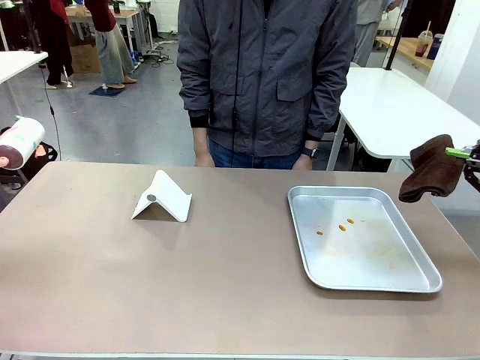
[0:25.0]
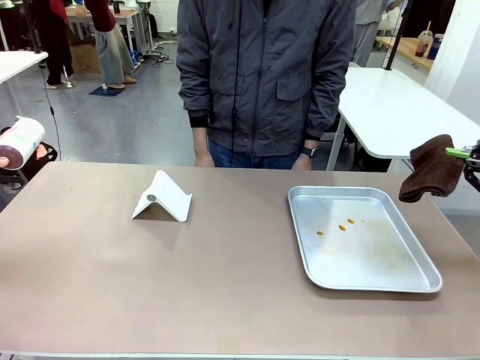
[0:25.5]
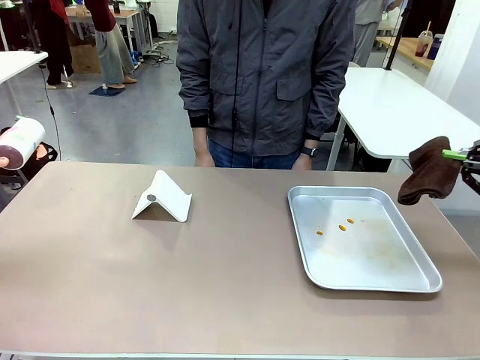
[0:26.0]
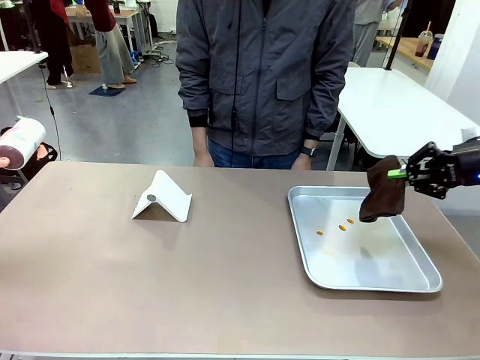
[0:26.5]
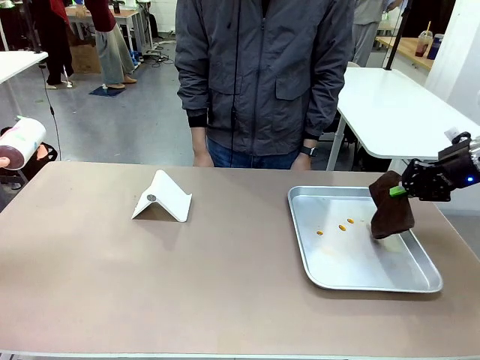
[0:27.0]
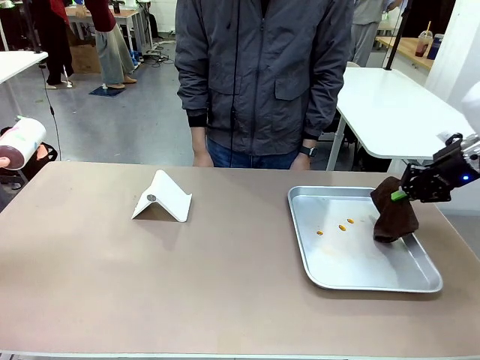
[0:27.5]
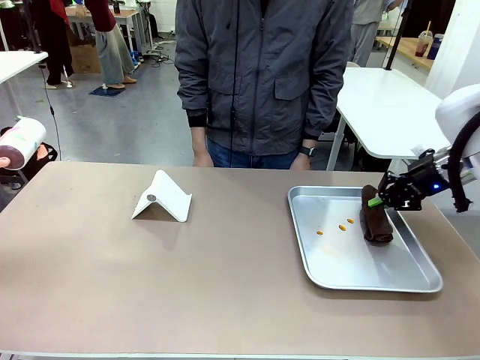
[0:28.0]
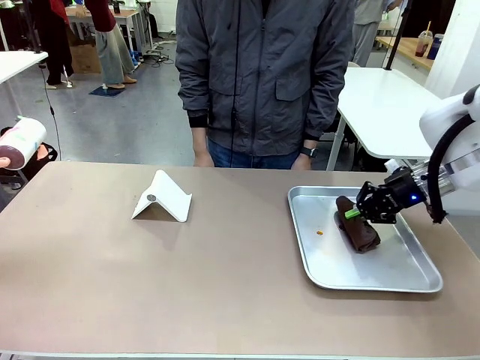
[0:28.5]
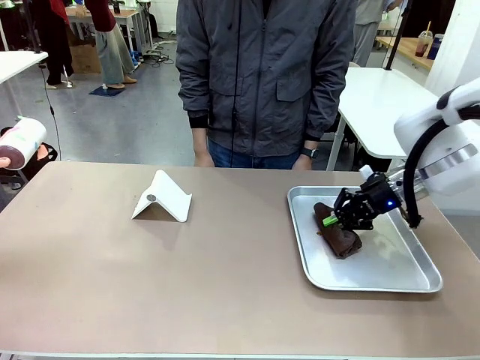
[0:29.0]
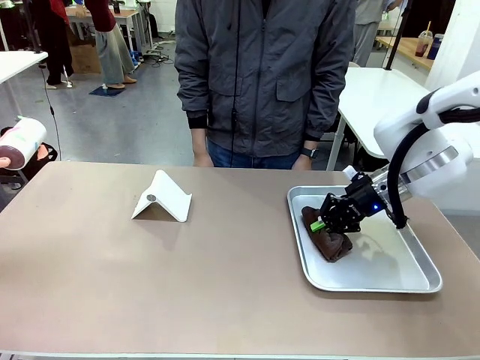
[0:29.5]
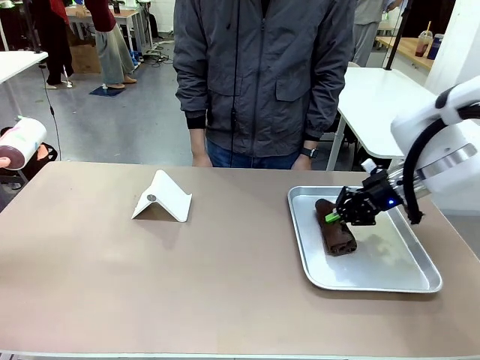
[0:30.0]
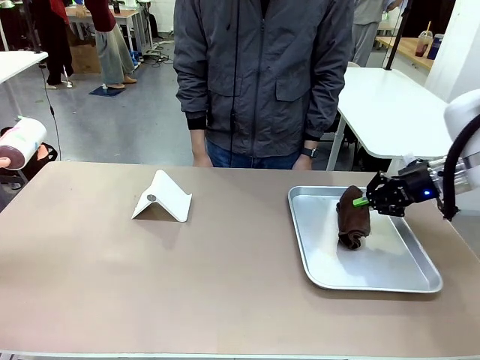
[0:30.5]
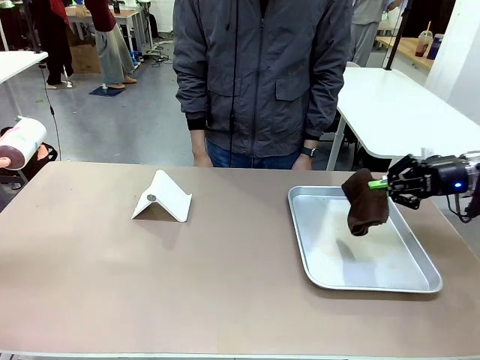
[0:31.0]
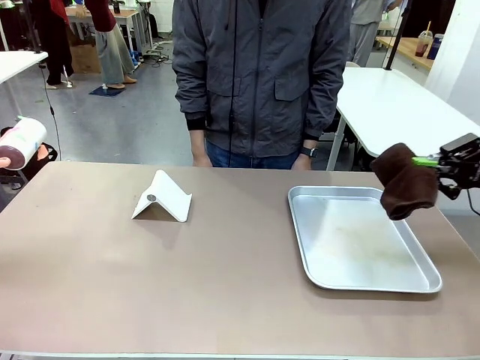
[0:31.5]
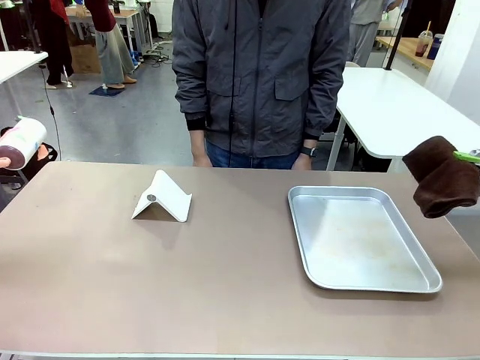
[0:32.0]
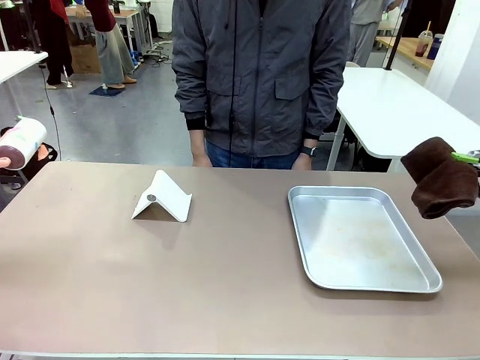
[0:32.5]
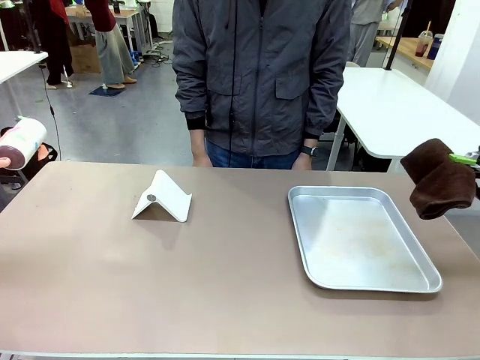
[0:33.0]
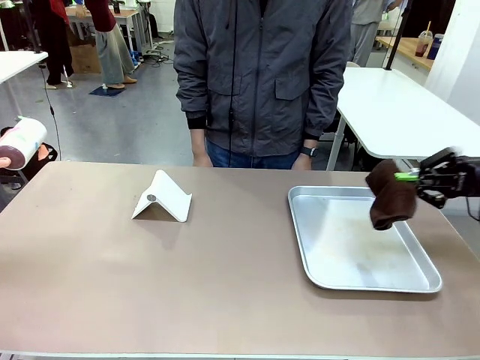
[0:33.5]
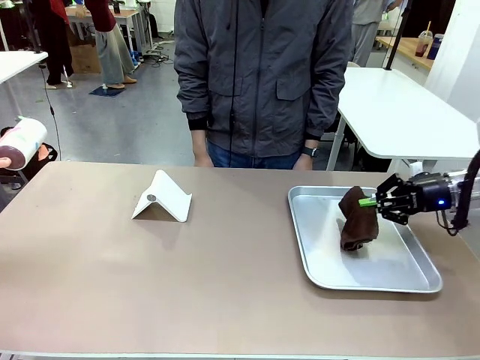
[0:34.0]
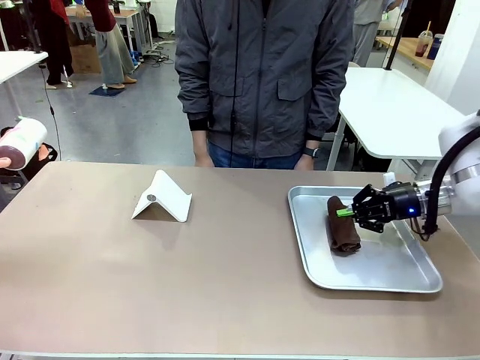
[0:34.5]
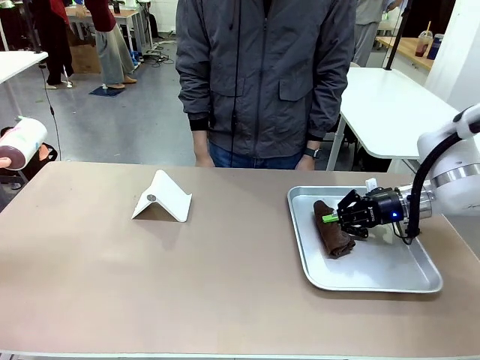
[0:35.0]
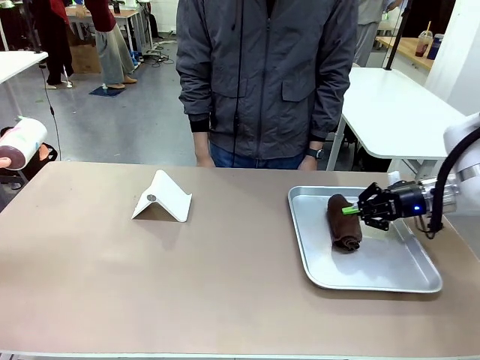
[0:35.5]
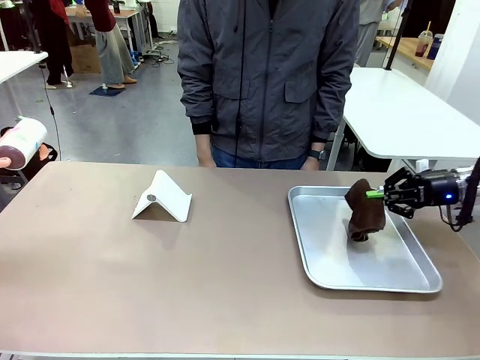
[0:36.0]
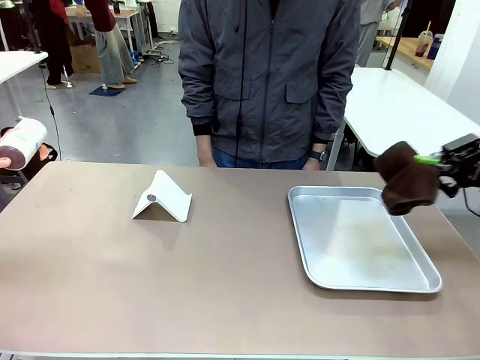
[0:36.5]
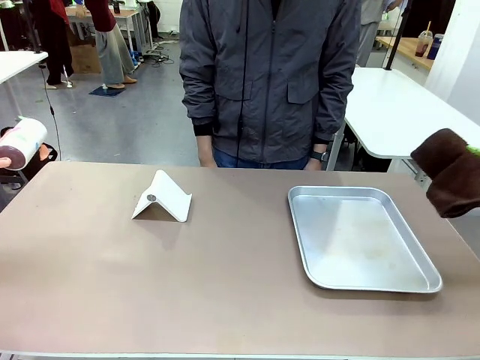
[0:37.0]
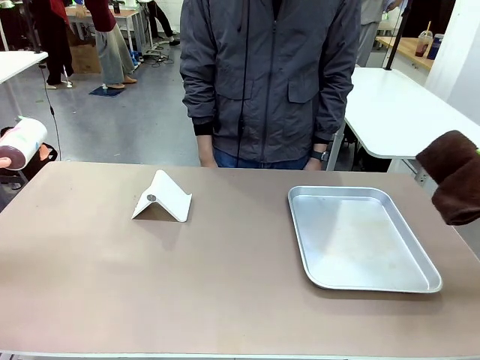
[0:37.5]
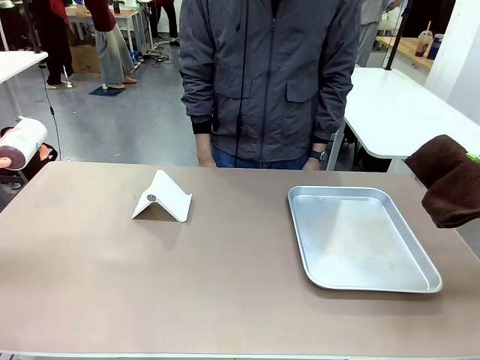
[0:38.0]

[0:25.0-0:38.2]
Task: Clean the surface of the table.
Robot: Clean the area not pointed to by the person.

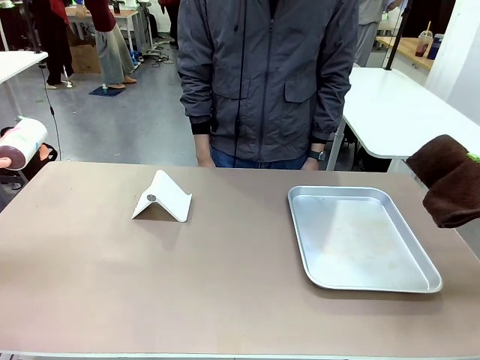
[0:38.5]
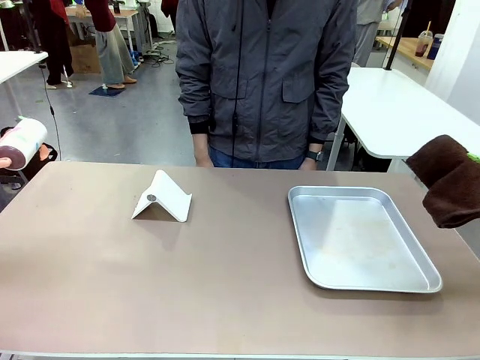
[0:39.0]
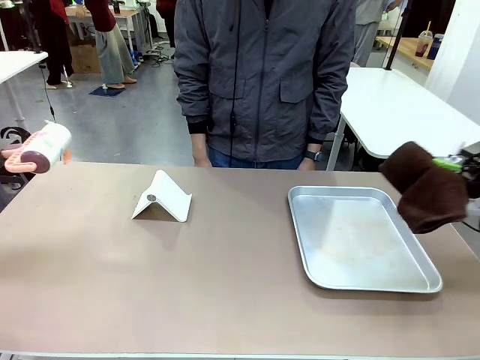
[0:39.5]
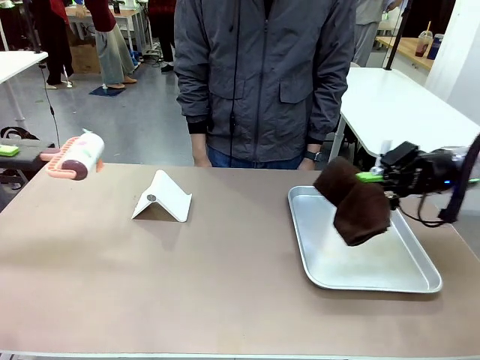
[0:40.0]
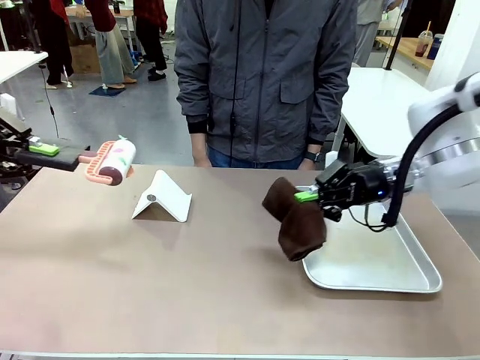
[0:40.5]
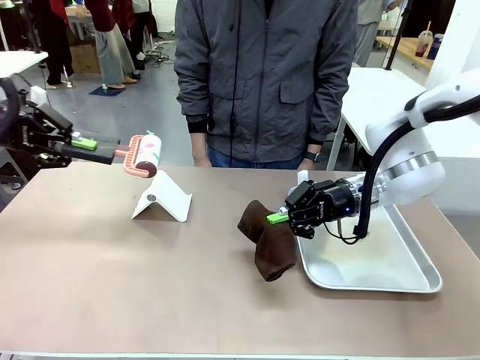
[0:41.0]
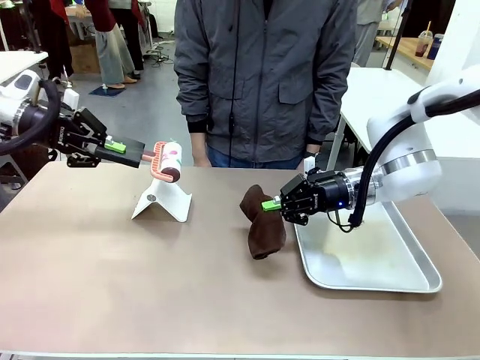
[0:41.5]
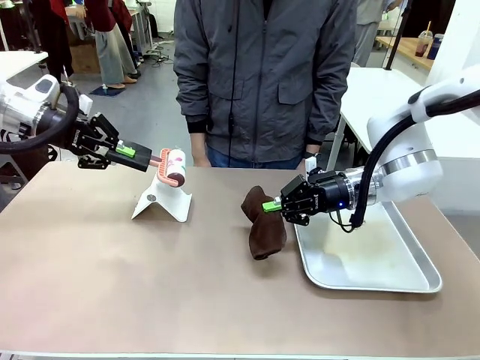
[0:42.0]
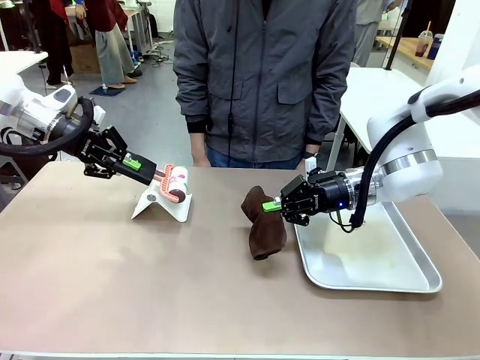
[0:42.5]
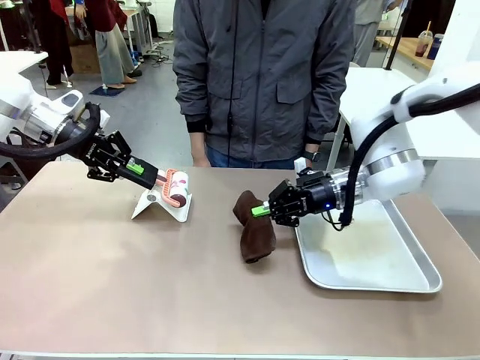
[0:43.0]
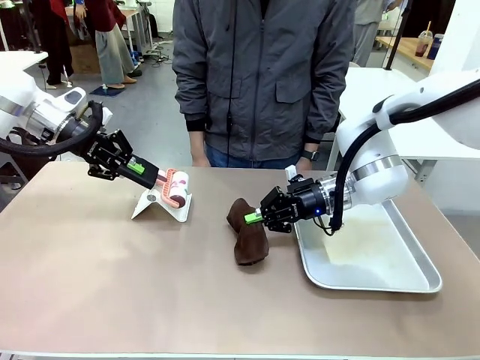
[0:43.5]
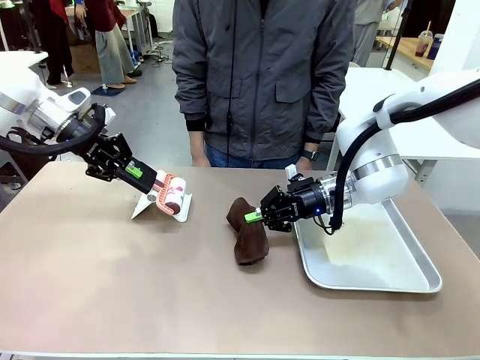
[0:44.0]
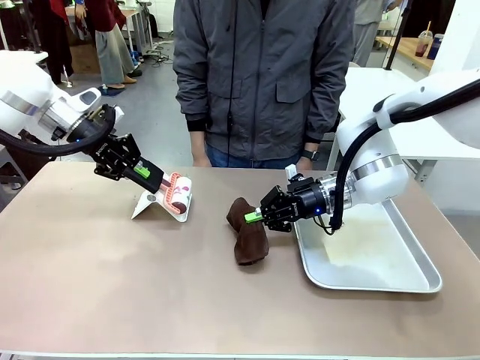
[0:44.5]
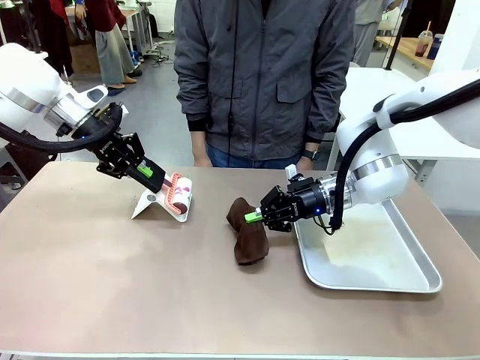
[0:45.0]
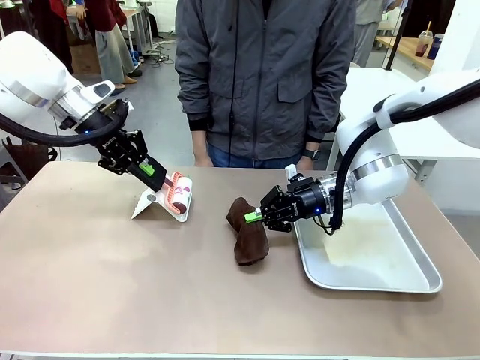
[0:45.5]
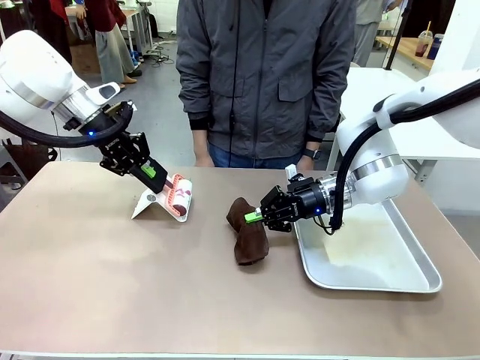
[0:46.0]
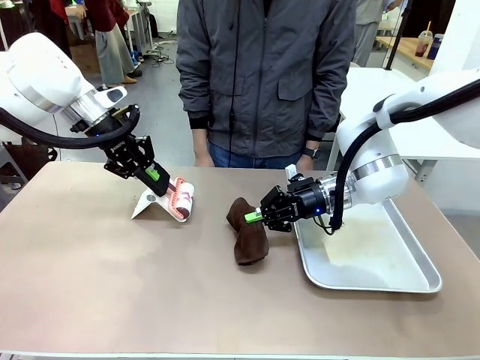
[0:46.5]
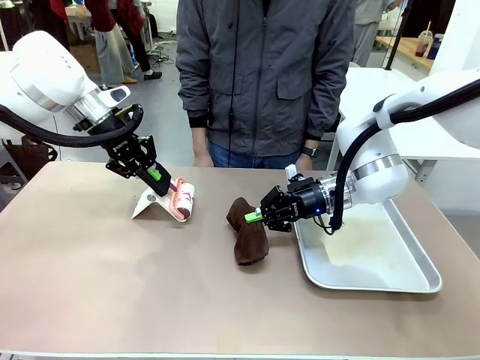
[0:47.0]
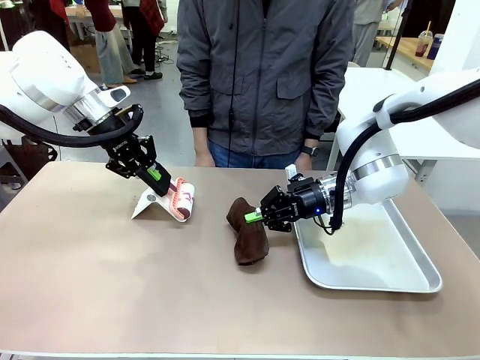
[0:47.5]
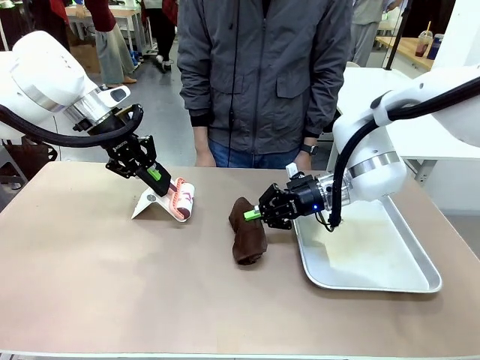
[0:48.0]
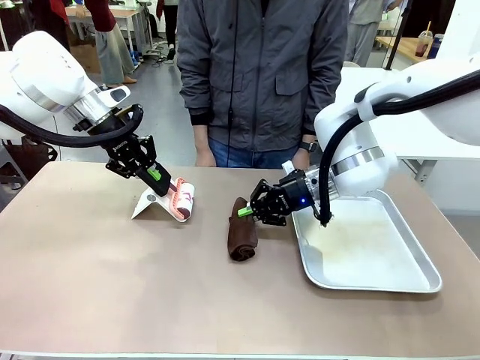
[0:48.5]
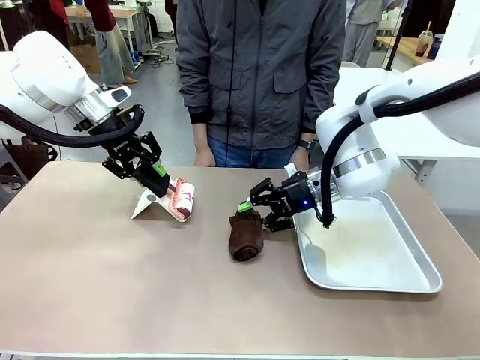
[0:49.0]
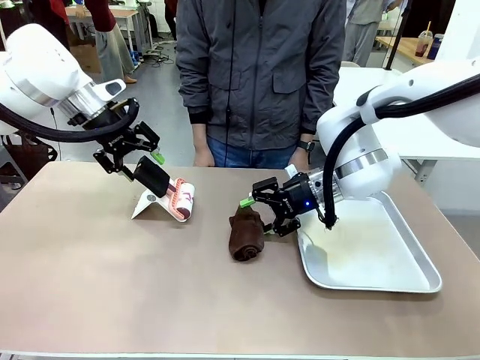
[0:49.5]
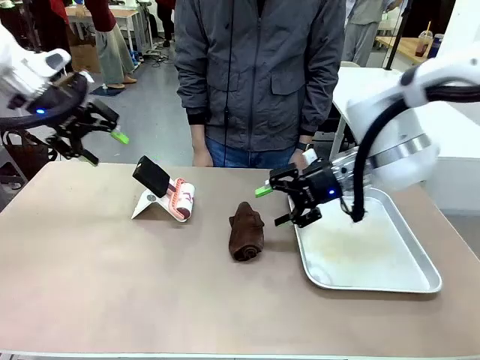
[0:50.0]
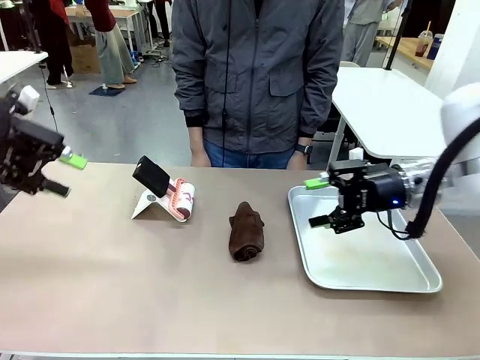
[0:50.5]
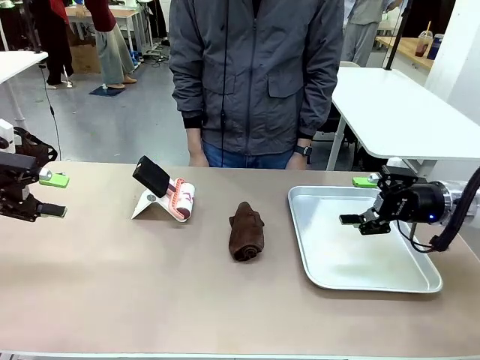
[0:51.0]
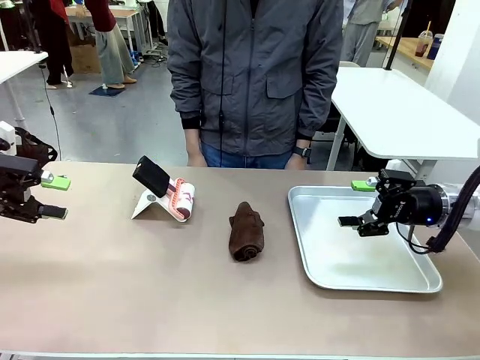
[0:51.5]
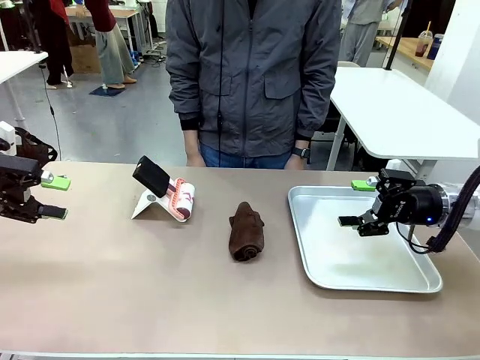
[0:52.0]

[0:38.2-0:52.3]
Robot: Return the Lint Roller and towel to their original positions.
